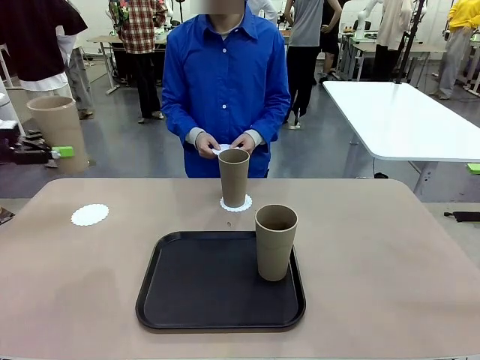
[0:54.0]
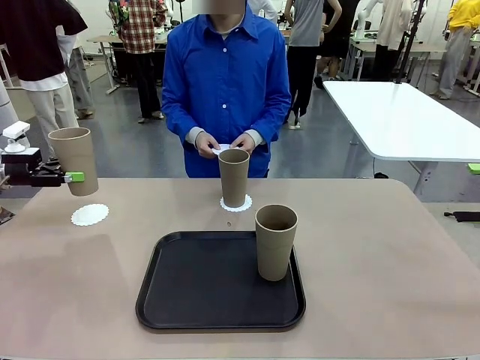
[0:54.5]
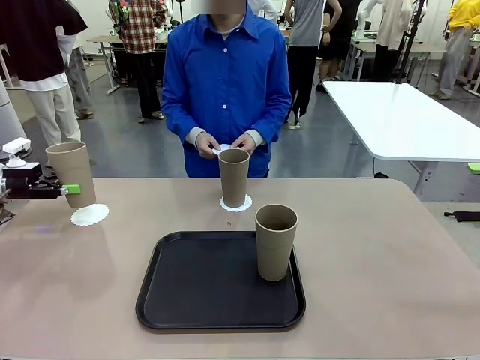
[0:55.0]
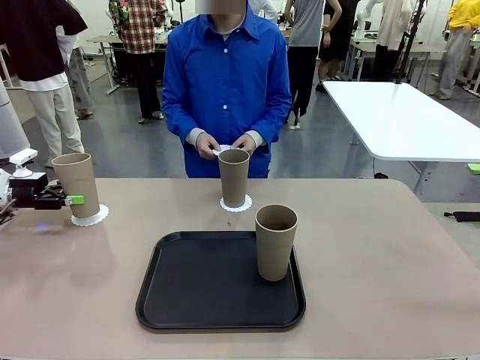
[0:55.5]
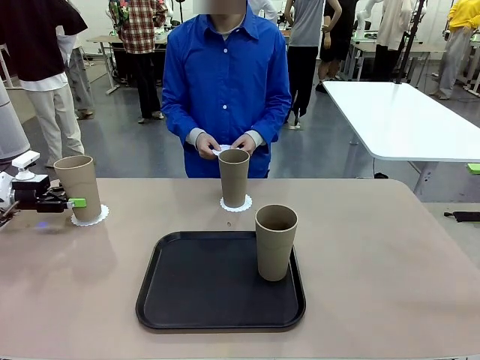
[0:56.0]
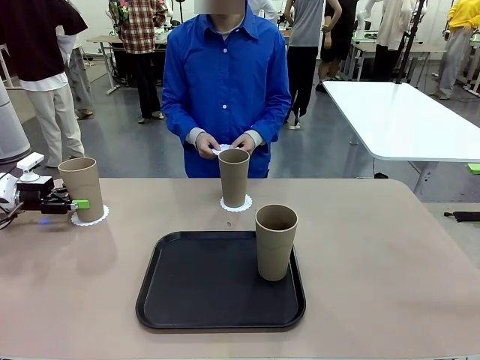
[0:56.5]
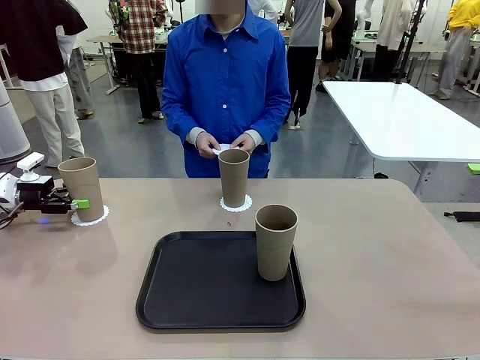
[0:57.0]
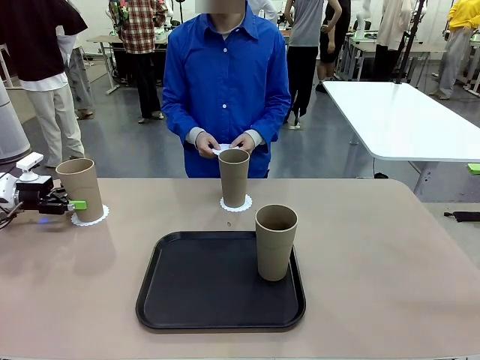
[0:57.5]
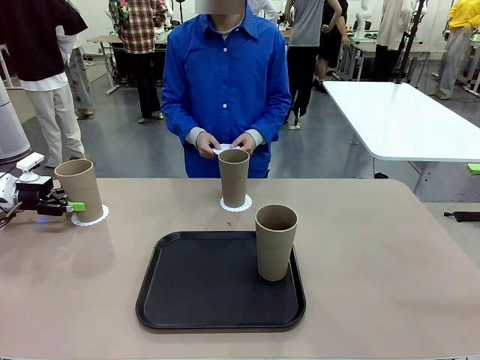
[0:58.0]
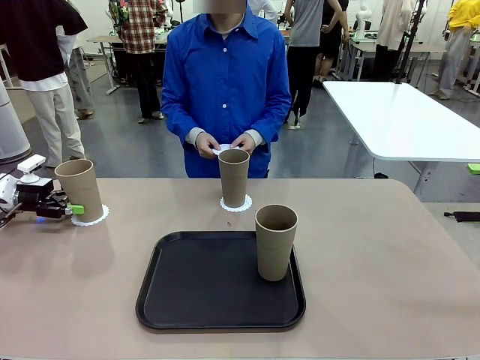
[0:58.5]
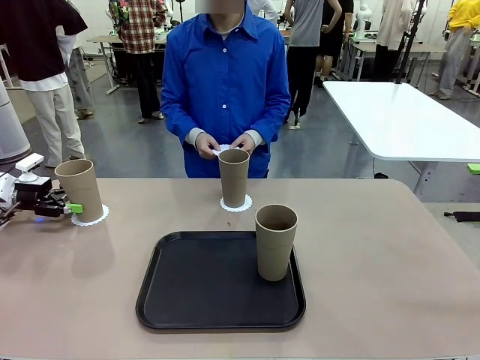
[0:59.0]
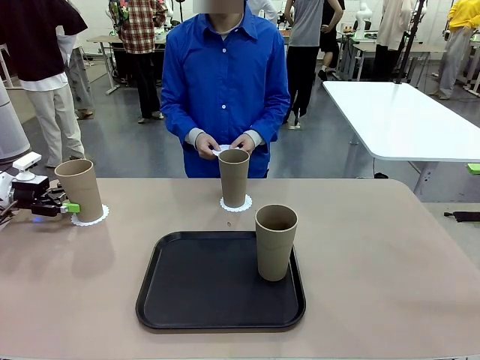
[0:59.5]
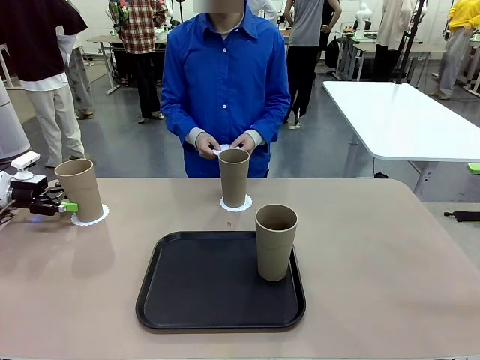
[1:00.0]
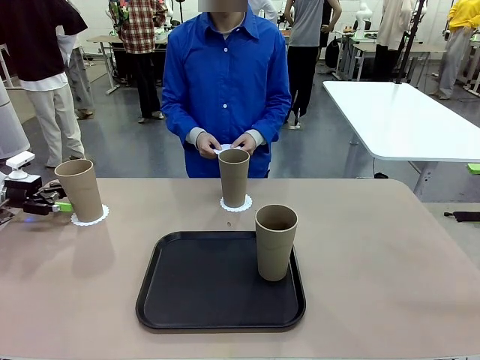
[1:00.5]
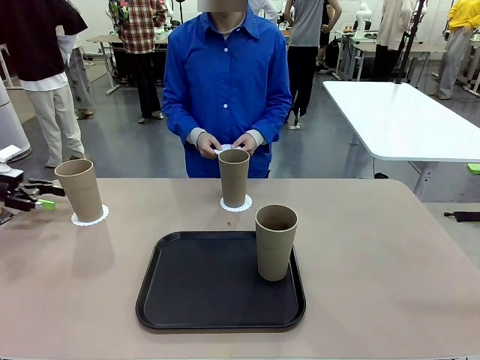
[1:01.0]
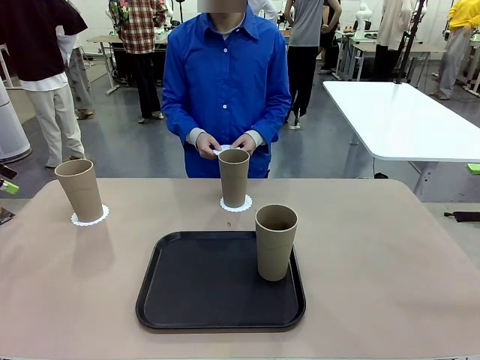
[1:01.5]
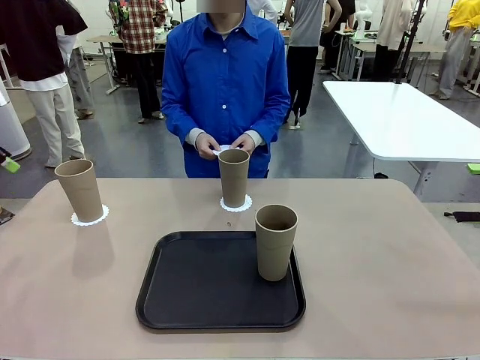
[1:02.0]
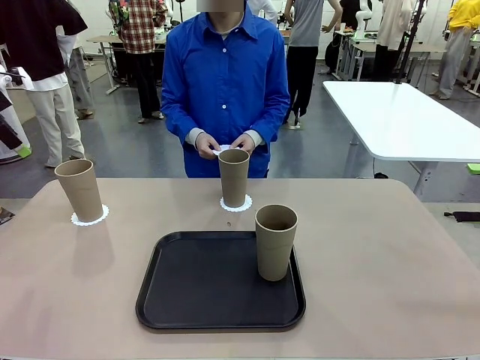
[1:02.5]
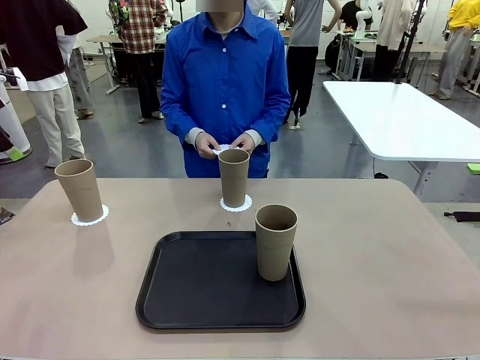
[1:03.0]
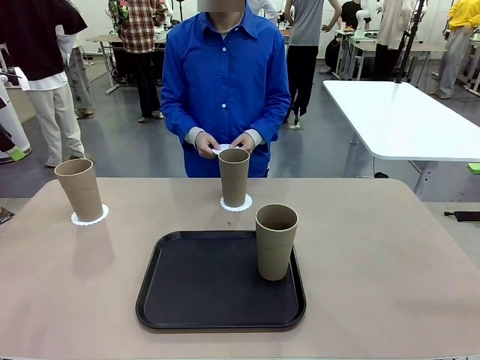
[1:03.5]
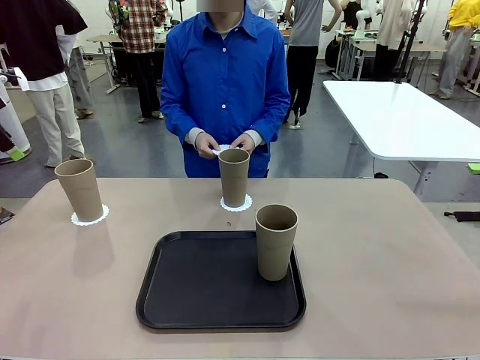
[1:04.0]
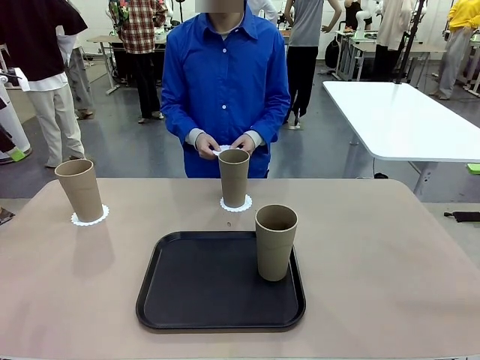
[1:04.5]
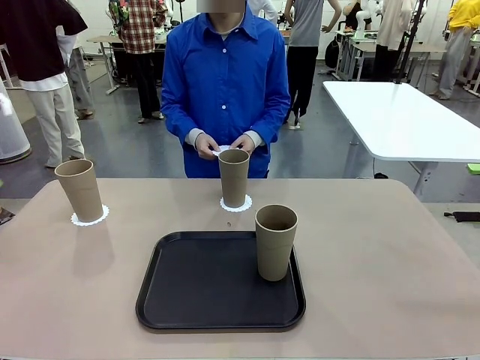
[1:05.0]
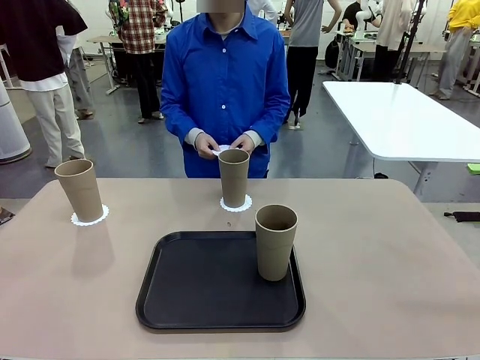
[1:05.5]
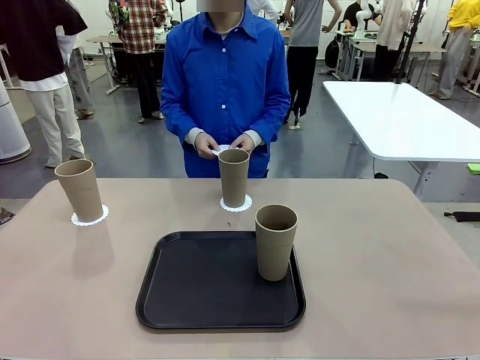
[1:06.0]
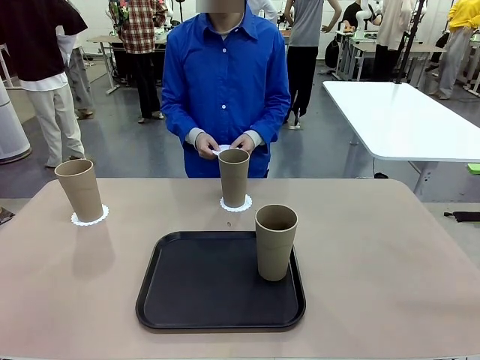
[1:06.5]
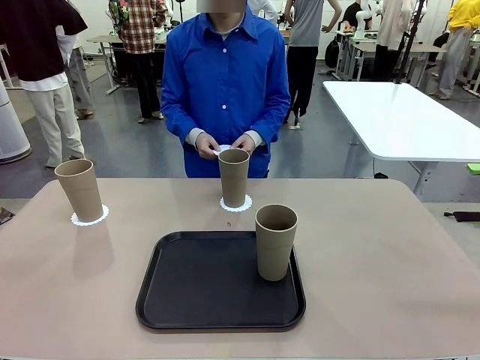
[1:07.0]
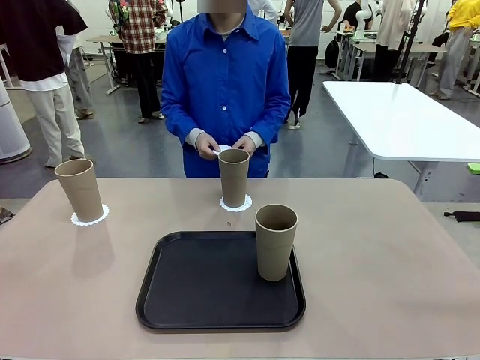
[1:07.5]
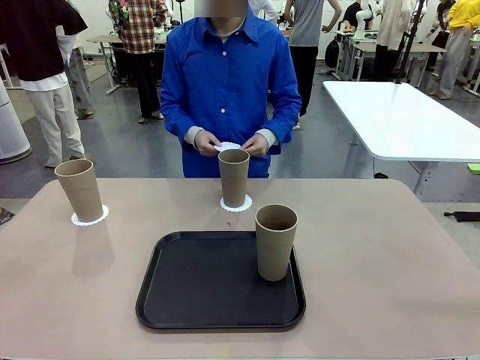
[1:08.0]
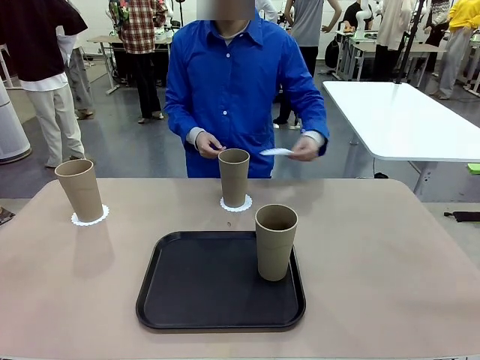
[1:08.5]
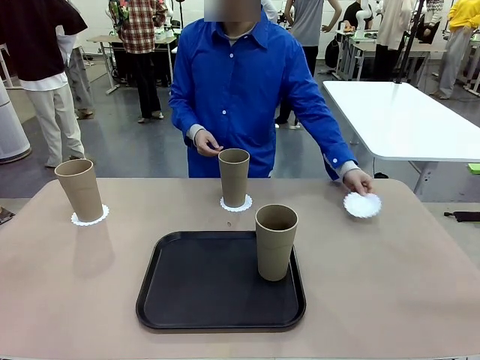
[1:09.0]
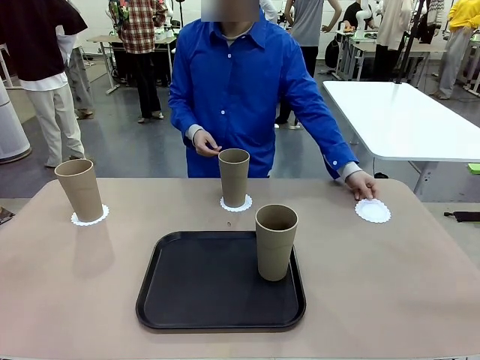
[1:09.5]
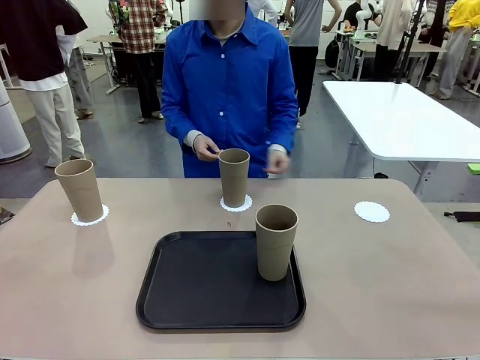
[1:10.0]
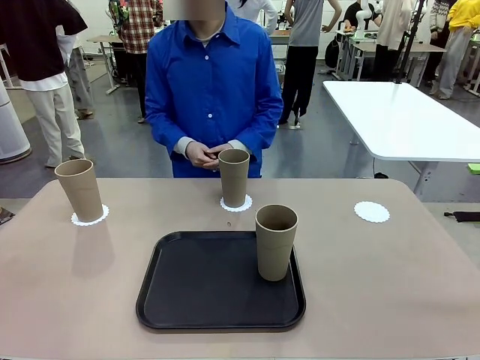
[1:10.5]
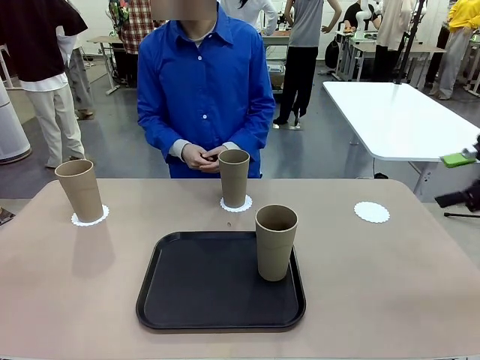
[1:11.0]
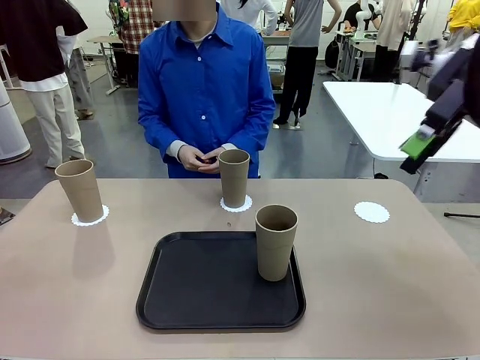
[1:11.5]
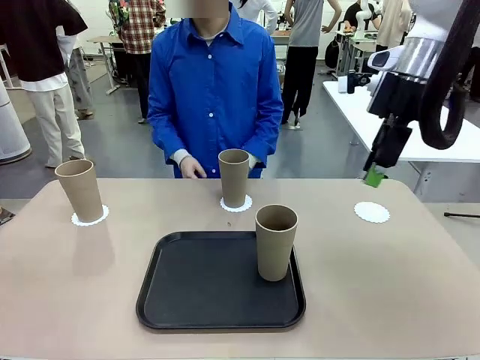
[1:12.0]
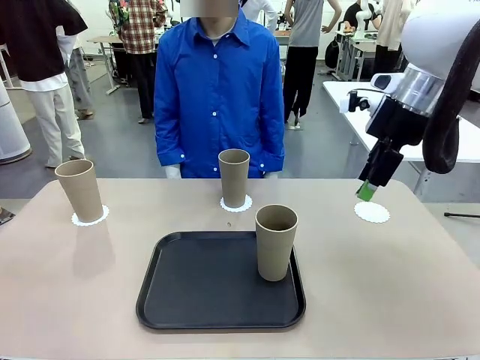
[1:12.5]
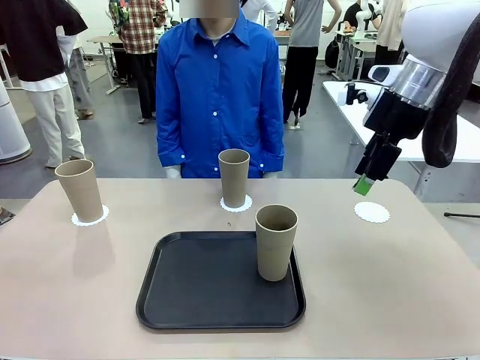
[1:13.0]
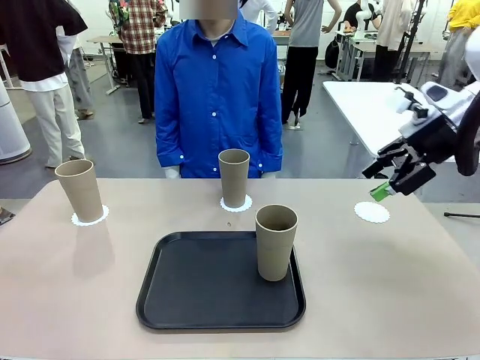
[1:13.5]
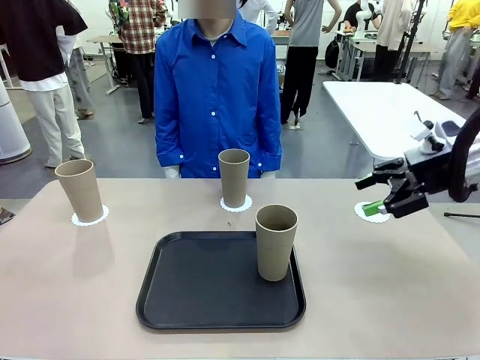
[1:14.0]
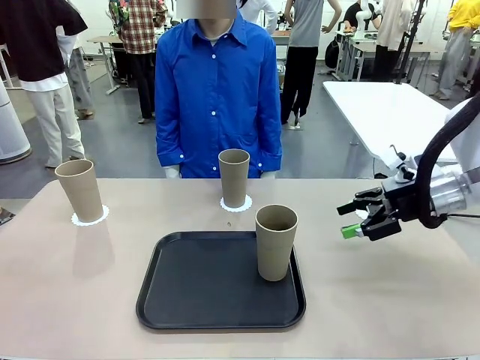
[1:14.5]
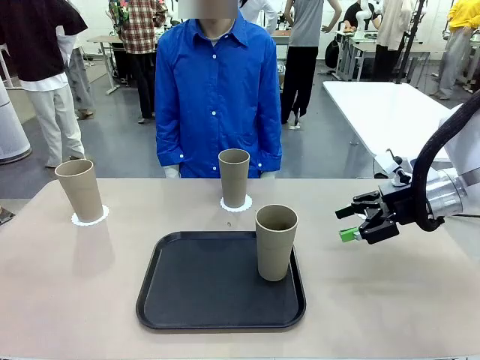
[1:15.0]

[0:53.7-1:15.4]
Task: Place coasters on the table and set cups on them.
Robot: Take one Reusable plastic cup from the Flat Tray and place it on a coaster set by the human.
